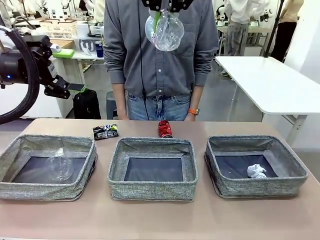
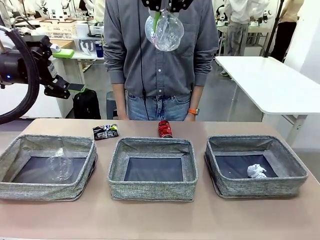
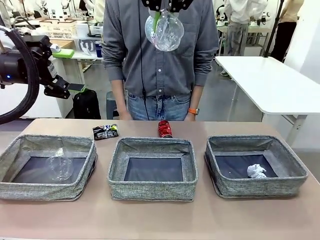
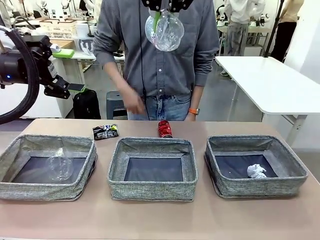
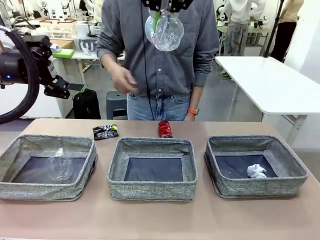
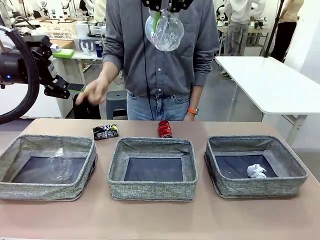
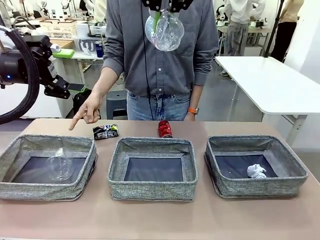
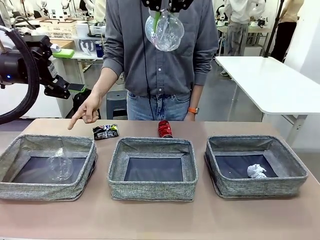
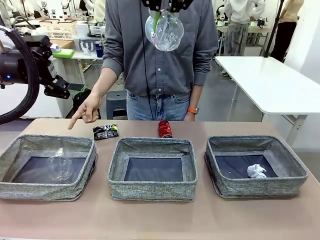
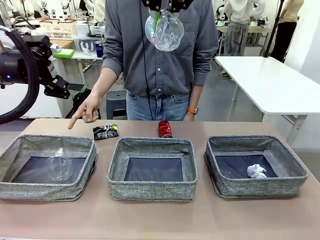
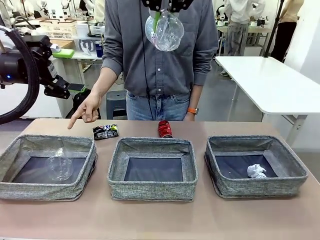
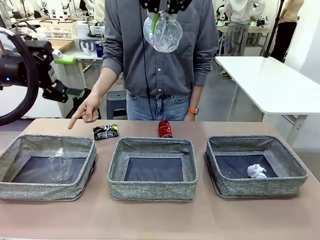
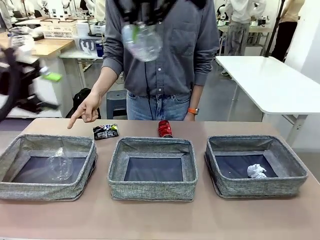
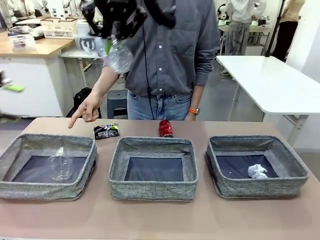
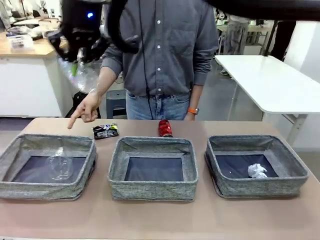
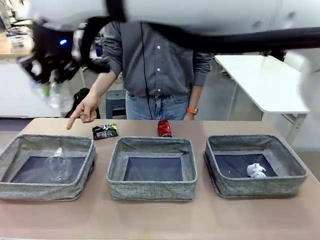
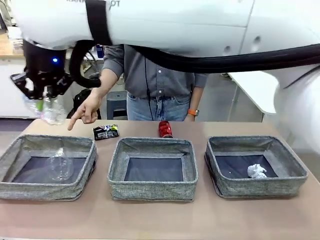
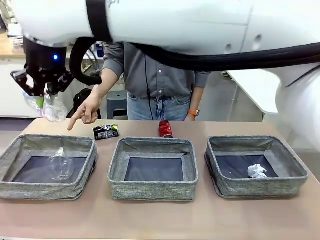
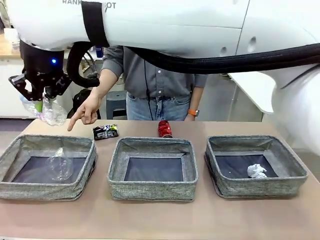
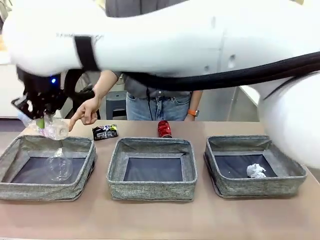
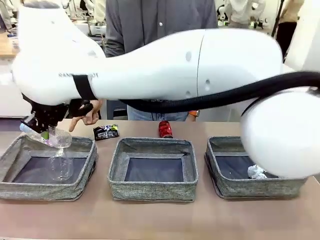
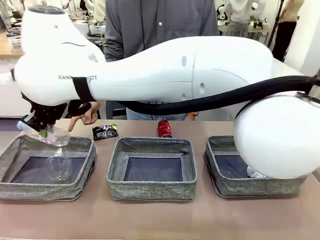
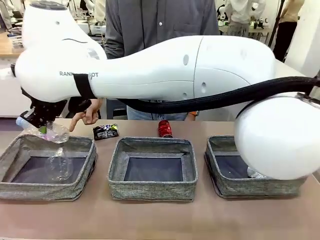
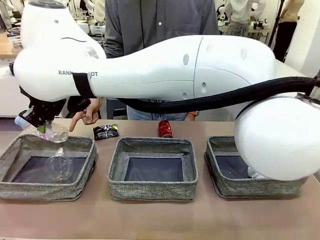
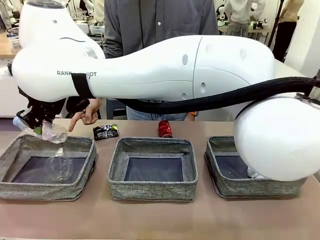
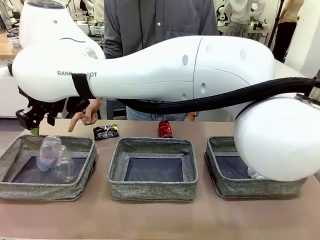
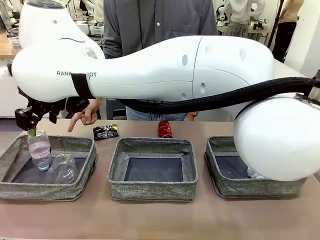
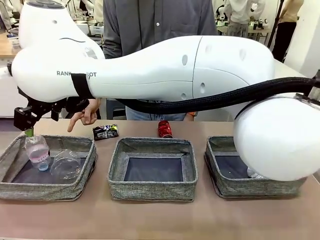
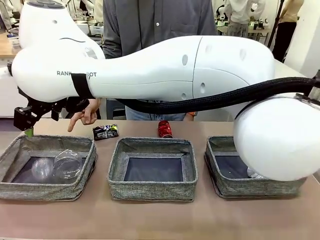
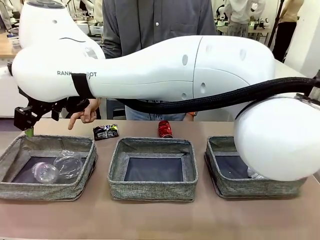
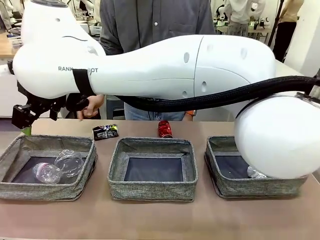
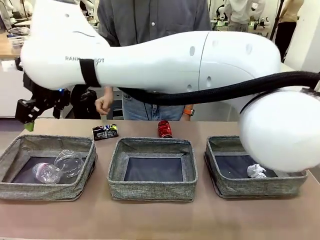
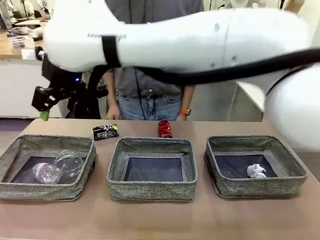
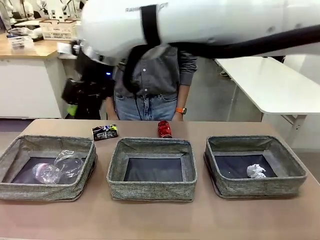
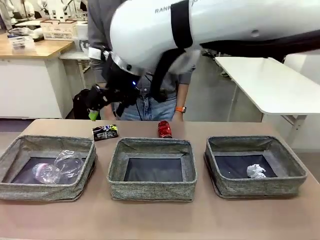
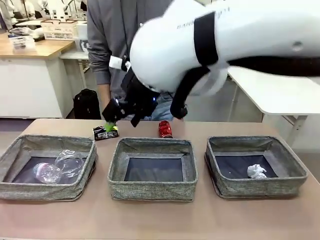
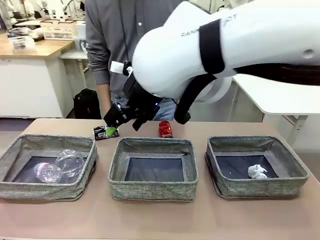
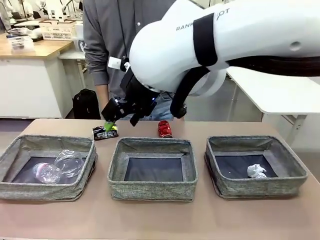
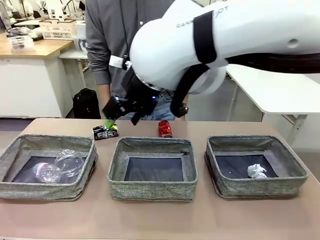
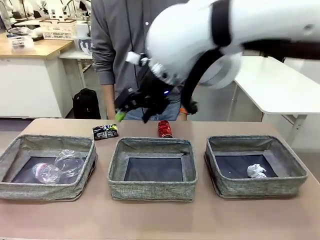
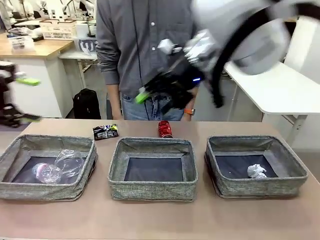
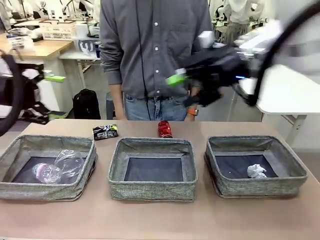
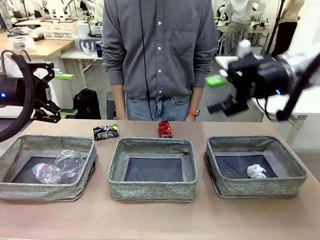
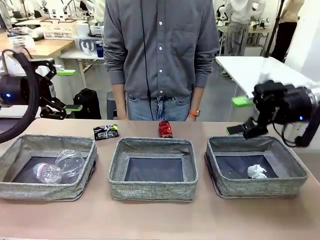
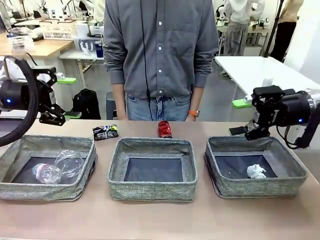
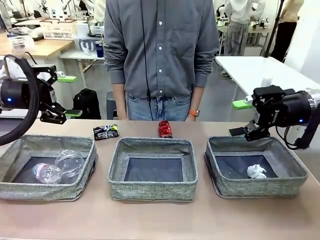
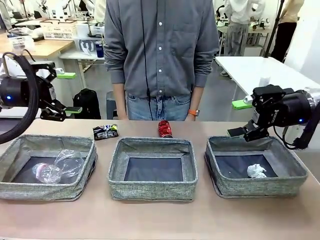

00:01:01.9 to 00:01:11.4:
Task: Sort the waste into the appropriate baskets.
Robot: Place the picked waste into the Fabric basket indicated by the person.
Person: Instructs the robot to place the picked-up trash into the appropriate organizing basket.

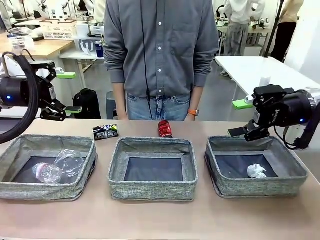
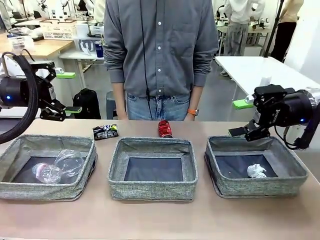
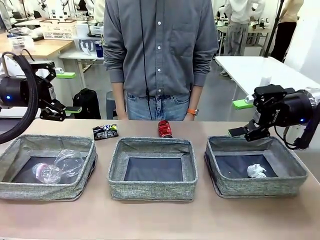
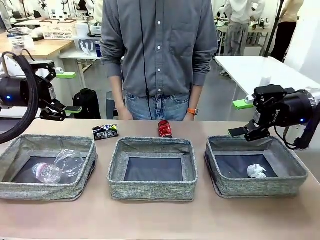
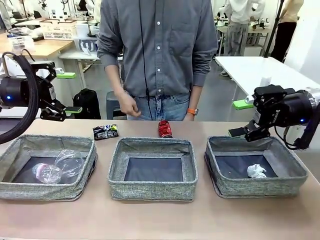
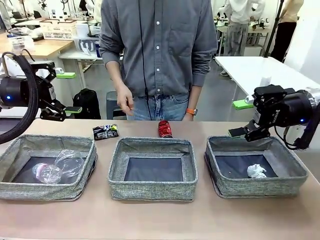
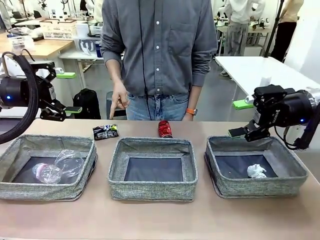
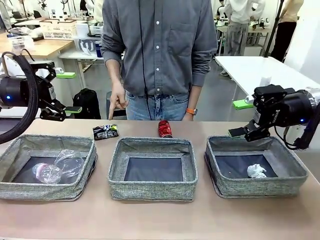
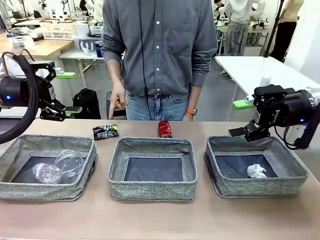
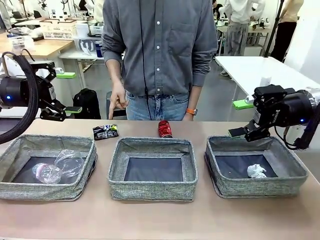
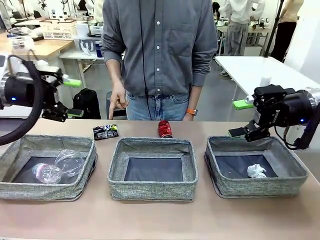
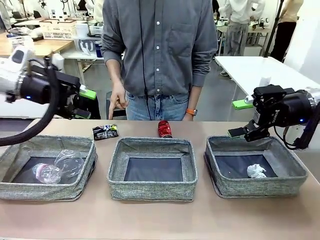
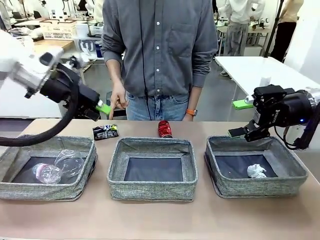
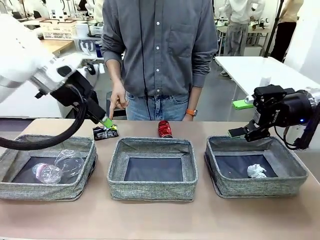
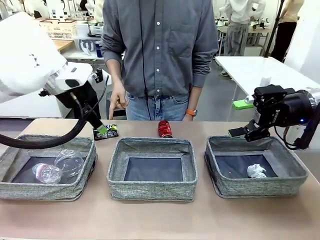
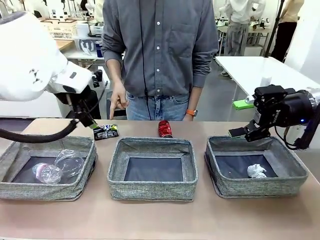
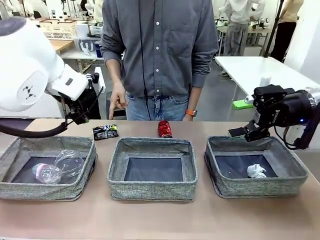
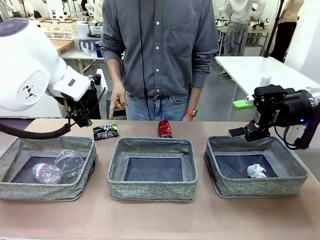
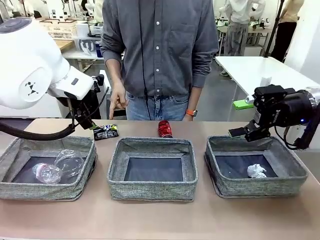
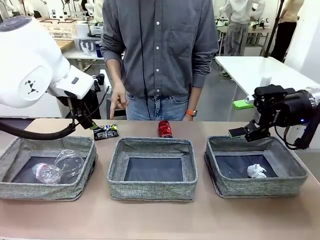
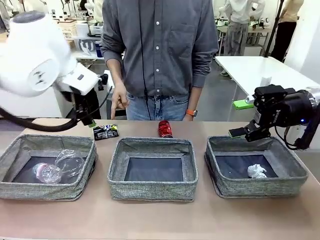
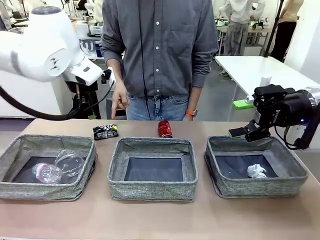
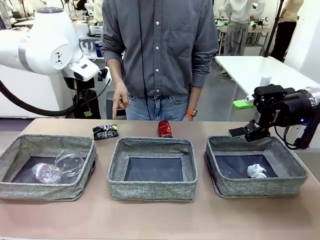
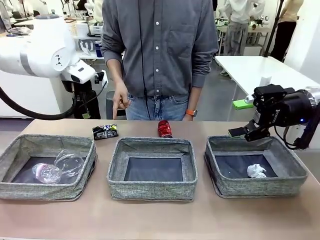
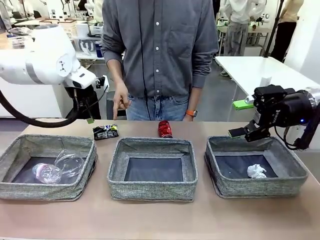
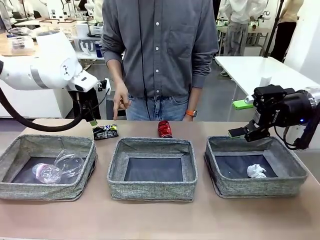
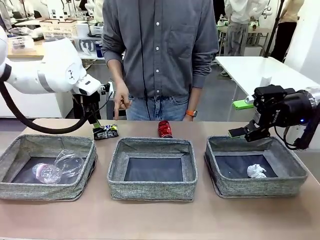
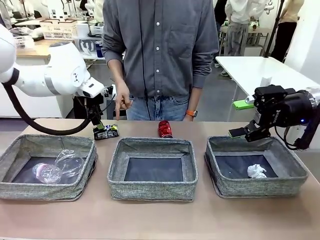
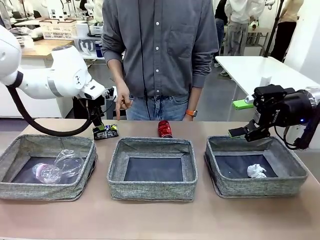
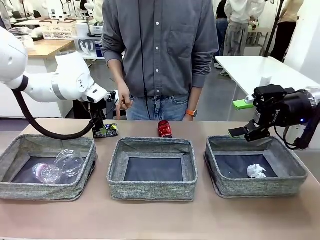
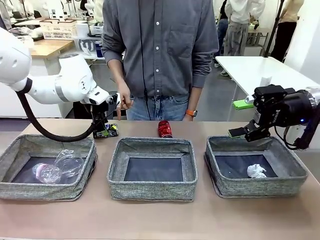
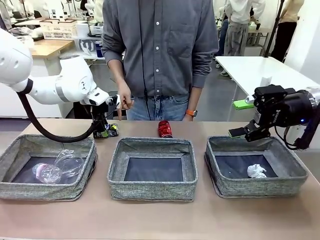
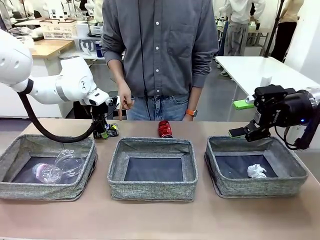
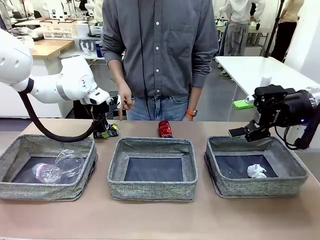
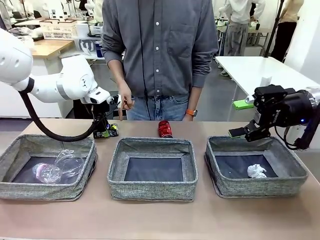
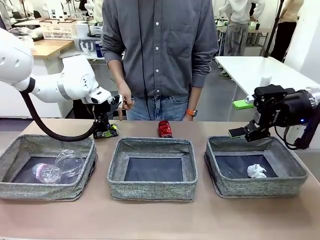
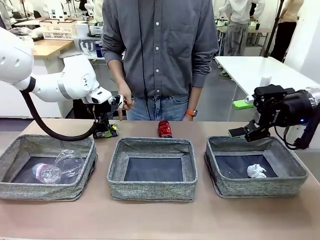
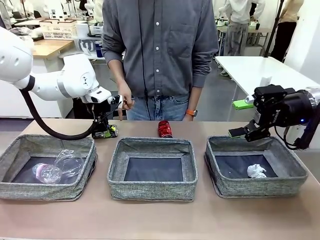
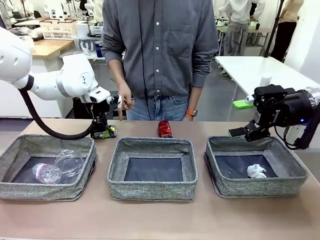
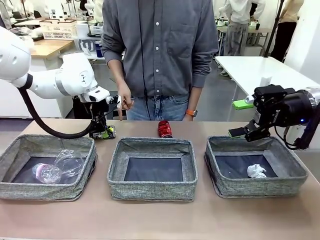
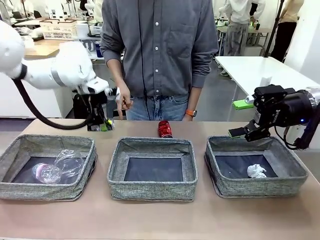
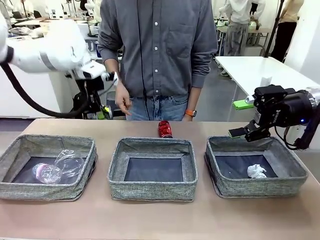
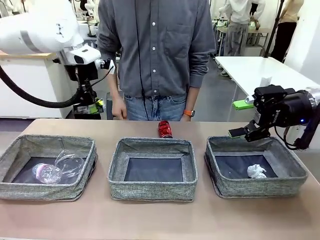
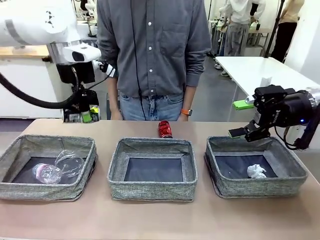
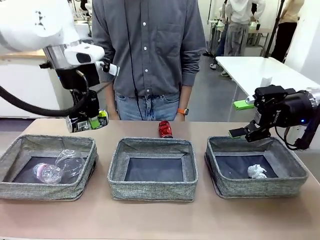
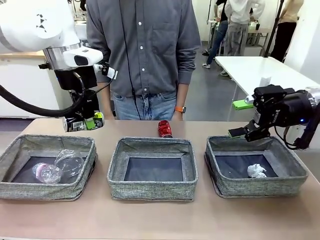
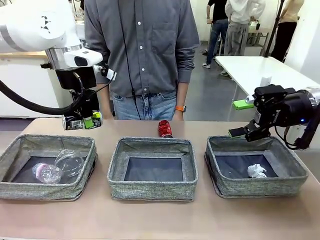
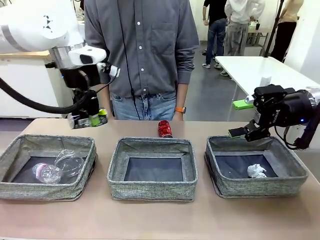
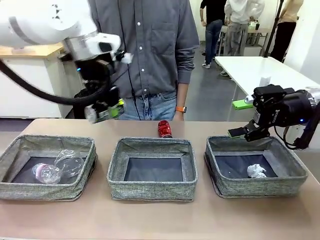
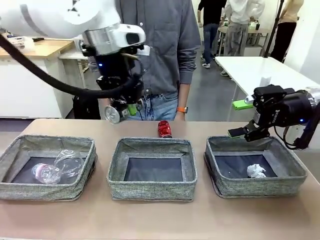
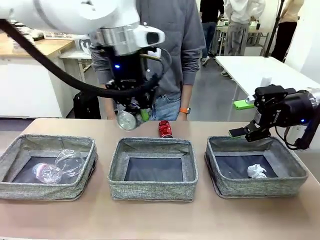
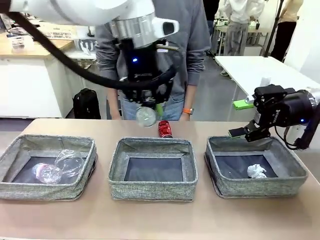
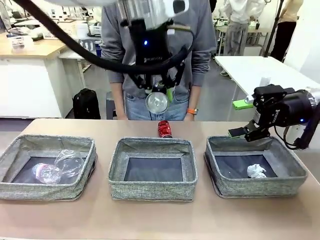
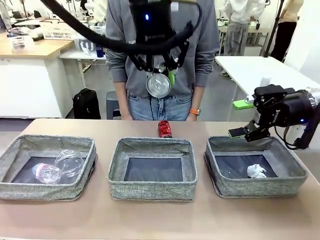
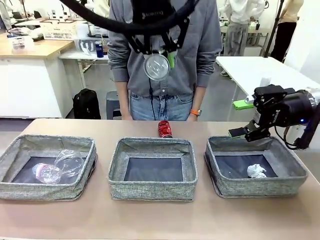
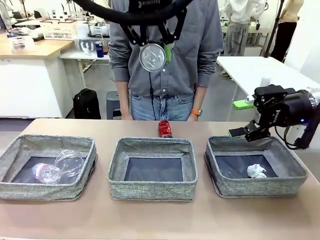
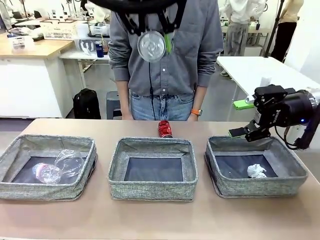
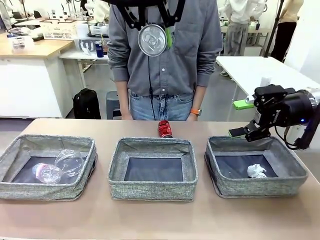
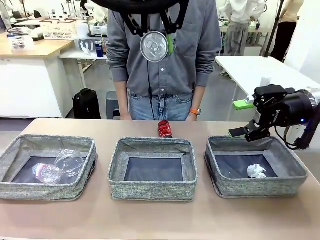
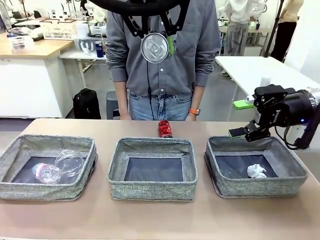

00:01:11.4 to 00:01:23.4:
Robot: Pick up the waste item pointed out by the person.
Person: Points to one piece of trash on the table.
